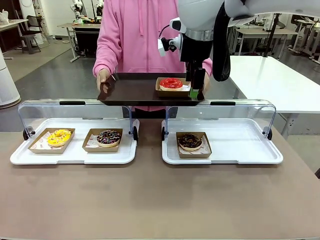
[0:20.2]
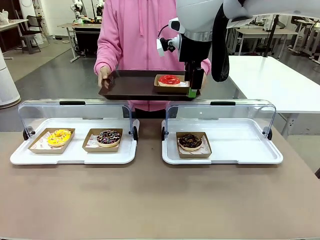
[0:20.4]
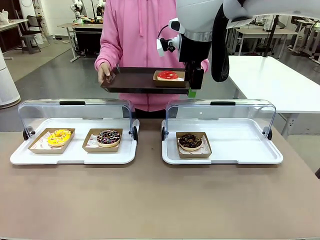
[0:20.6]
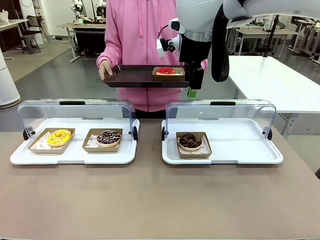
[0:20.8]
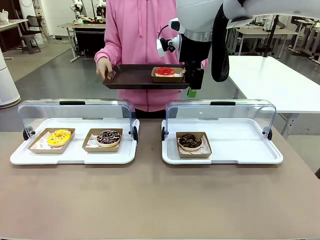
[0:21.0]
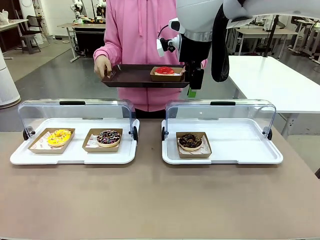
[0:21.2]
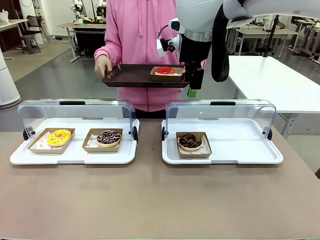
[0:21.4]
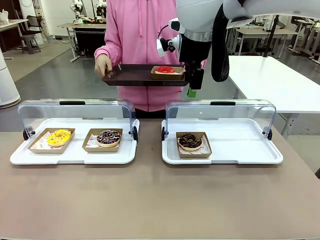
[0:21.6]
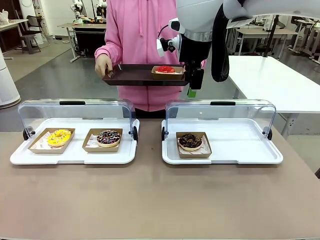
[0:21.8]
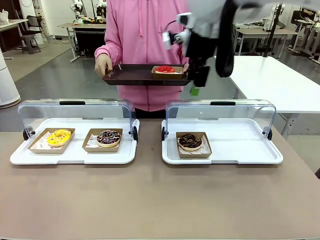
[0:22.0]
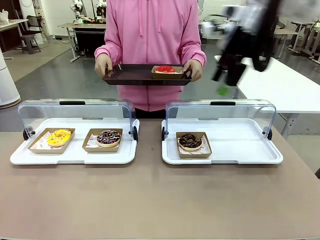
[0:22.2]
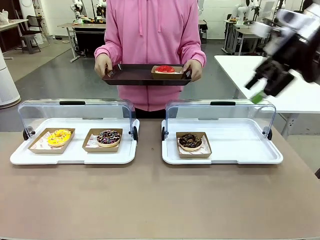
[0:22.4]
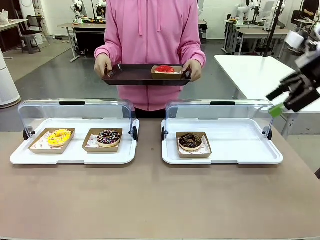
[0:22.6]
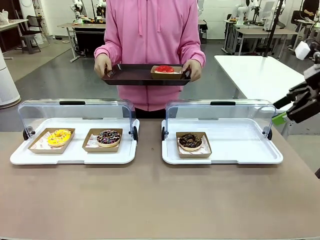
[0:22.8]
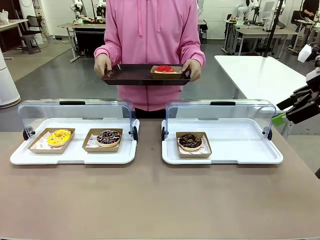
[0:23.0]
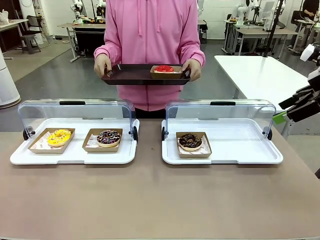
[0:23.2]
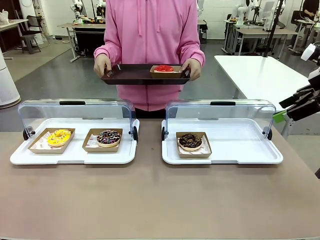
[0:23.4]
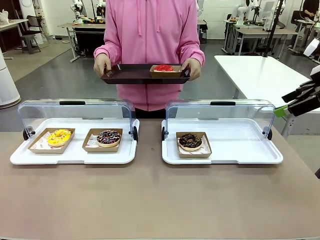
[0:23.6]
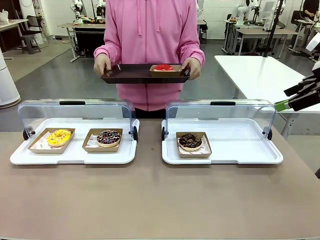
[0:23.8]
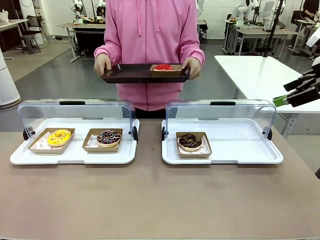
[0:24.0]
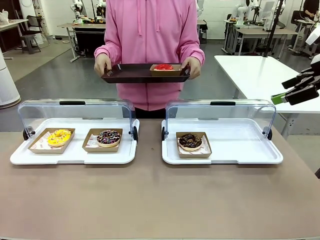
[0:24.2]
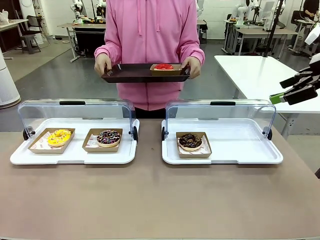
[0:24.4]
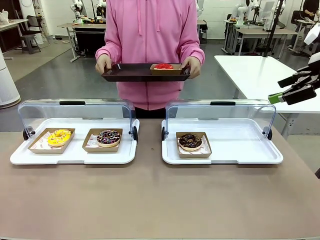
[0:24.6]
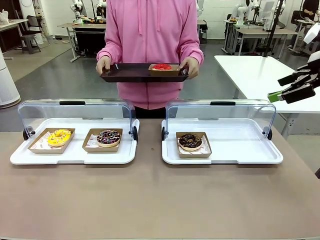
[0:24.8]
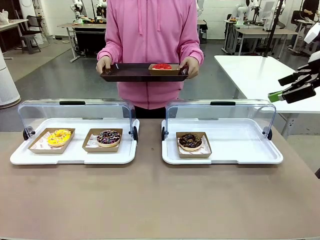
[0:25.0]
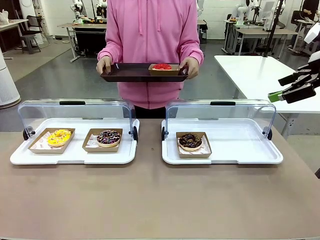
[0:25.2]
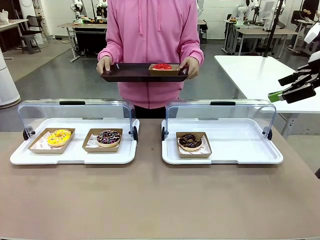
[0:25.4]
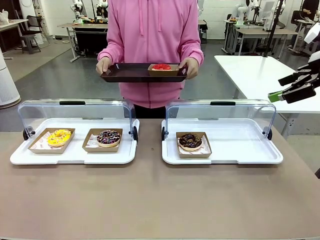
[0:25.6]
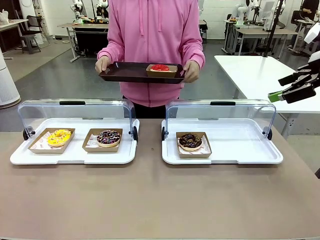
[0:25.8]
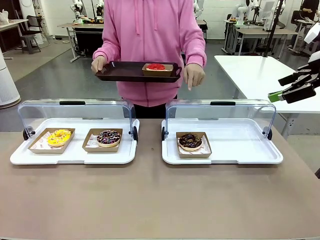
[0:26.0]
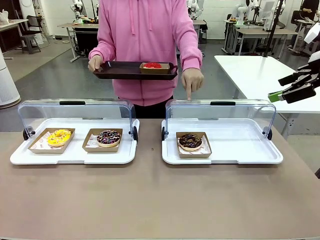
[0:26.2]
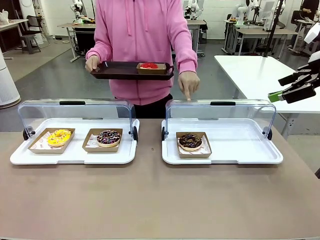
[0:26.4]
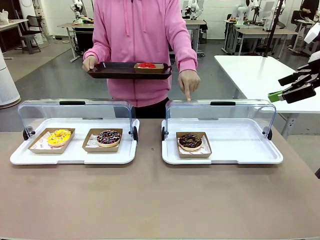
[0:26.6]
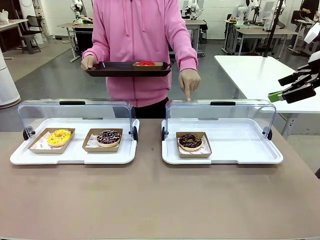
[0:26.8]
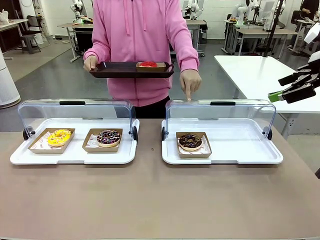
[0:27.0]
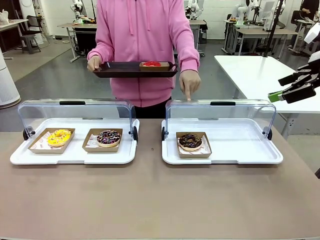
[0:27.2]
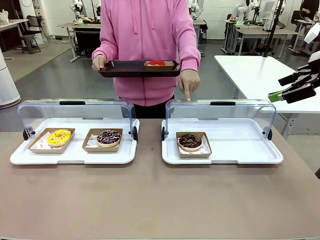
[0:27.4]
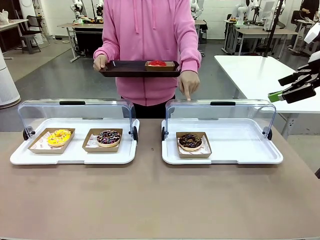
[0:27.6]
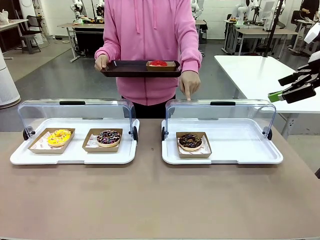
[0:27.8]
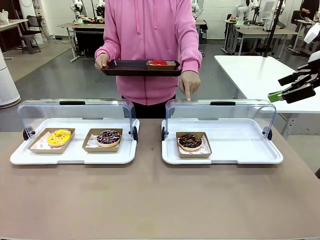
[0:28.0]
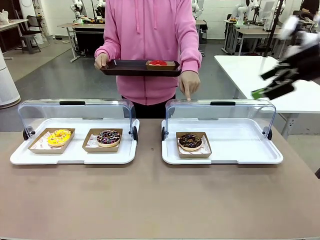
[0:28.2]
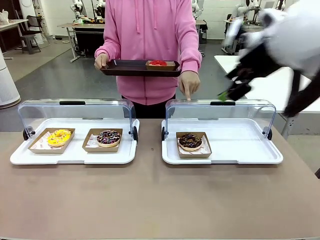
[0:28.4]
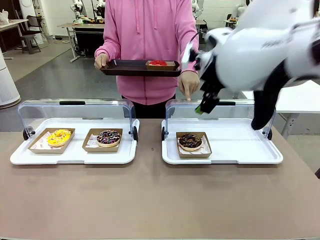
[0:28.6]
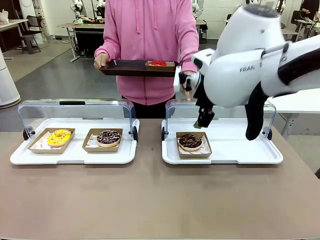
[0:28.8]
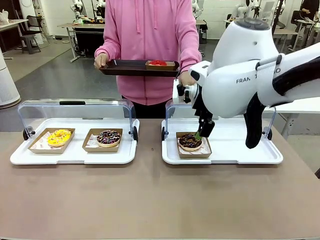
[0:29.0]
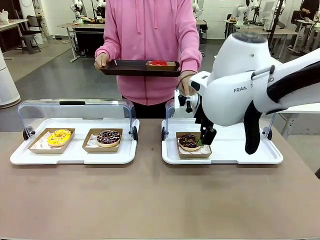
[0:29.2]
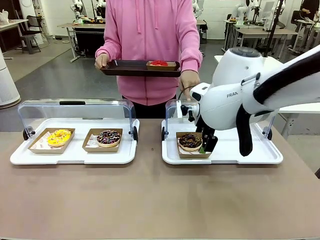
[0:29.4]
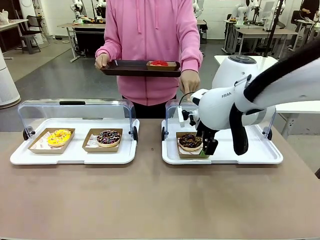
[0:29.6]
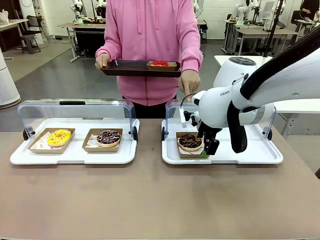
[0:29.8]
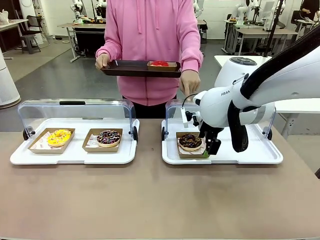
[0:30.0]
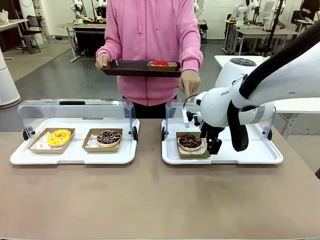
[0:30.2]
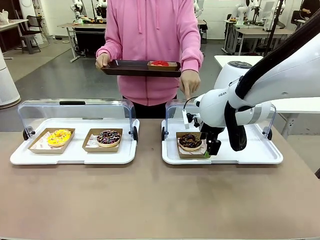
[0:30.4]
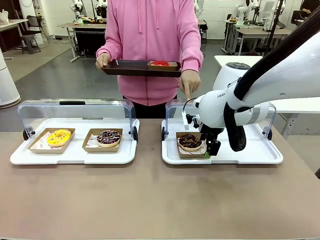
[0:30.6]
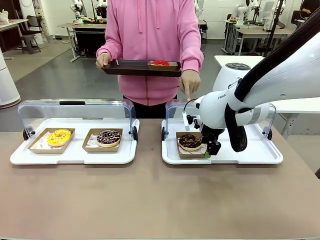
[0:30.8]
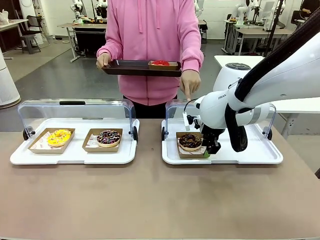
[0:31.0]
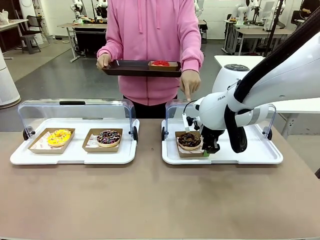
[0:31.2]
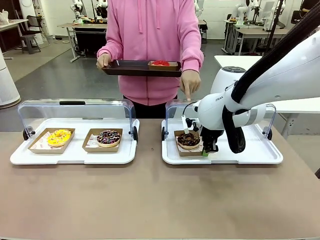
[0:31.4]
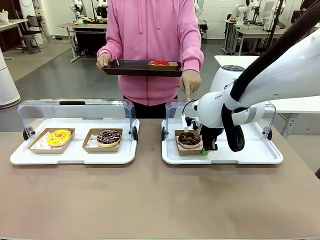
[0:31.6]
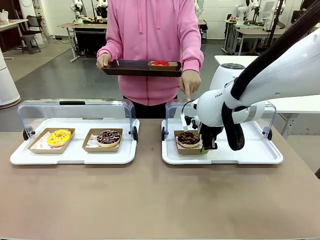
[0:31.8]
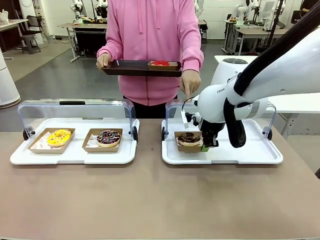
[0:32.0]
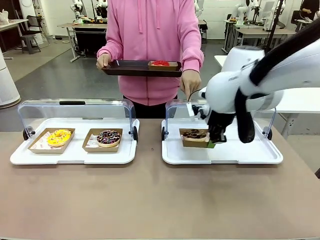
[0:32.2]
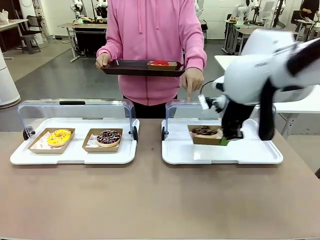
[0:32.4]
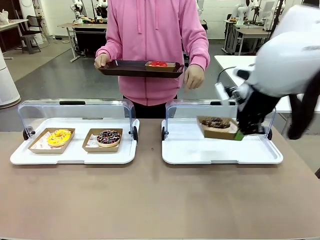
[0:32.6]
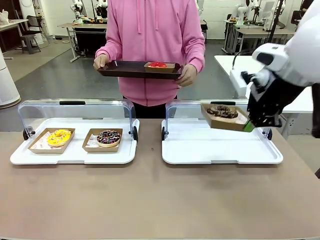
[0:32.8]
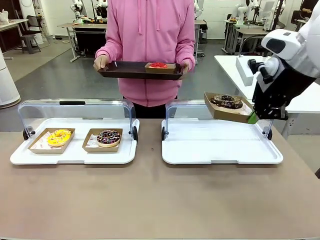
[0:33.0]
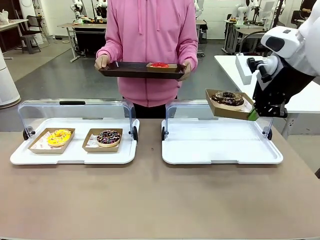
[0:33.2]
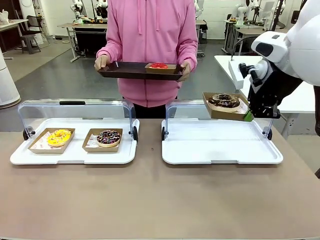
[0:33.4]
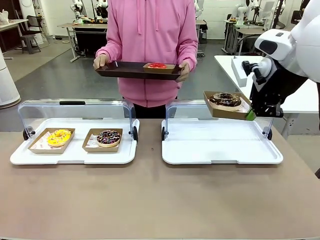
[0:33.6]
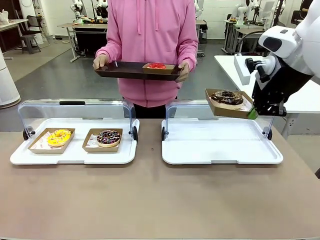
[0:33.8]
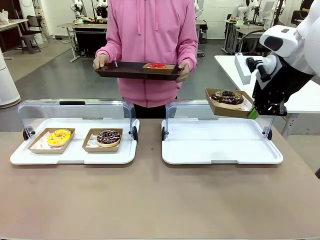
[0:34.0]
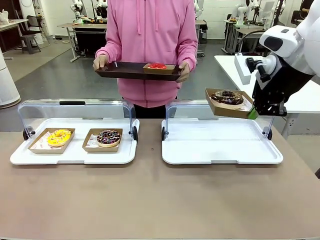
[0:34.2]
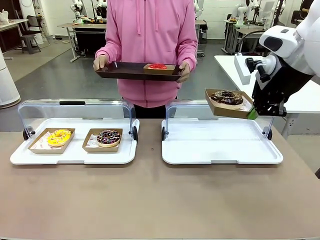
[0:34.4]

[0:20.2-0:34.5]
Task: Provide the desired donut to the person.
Robot: Pick up and lift the Paper togo box containing the Donut pointed at by the person.
Person: Point to one donut. Lift the tray onto the Roll-Top Bakery Case.

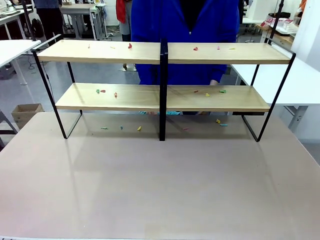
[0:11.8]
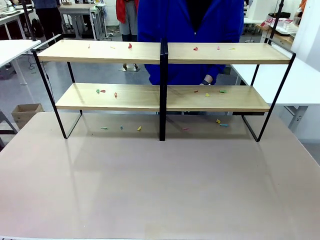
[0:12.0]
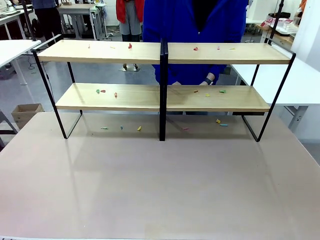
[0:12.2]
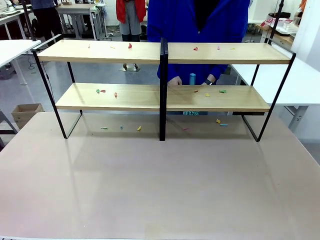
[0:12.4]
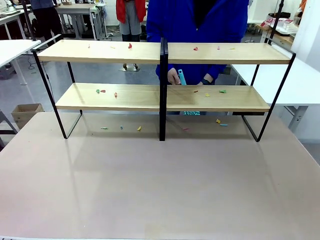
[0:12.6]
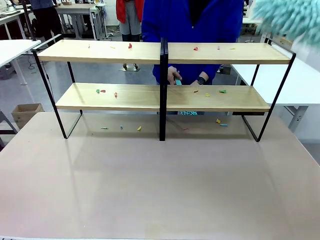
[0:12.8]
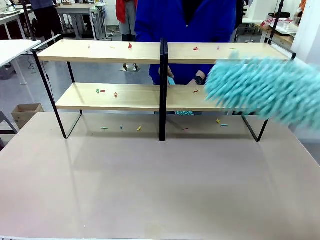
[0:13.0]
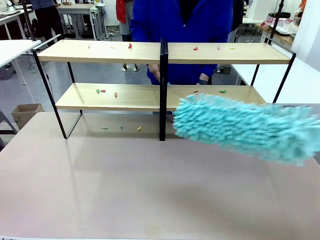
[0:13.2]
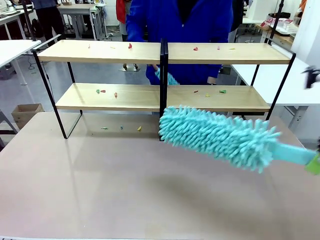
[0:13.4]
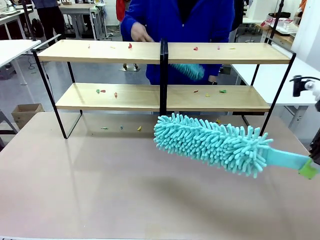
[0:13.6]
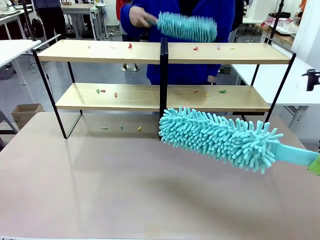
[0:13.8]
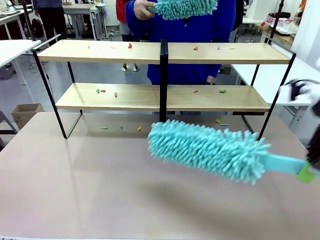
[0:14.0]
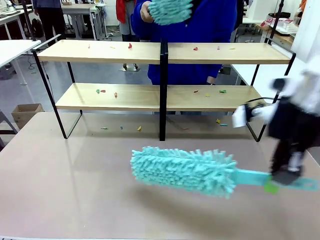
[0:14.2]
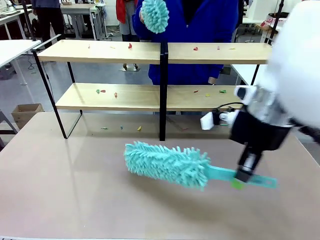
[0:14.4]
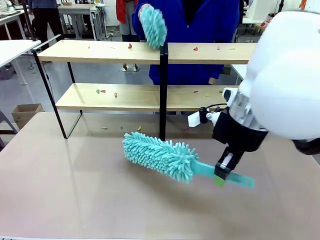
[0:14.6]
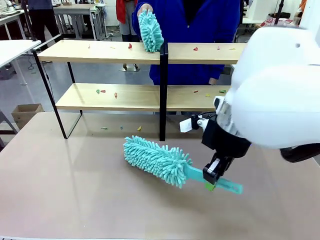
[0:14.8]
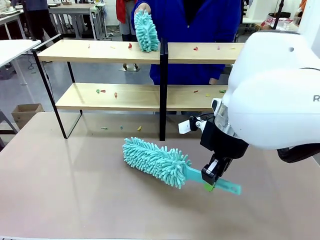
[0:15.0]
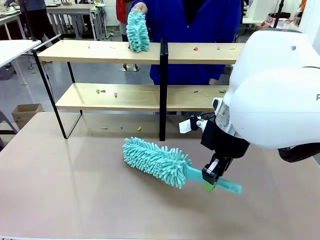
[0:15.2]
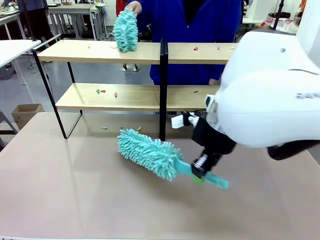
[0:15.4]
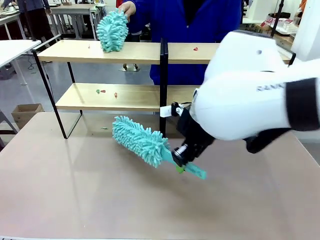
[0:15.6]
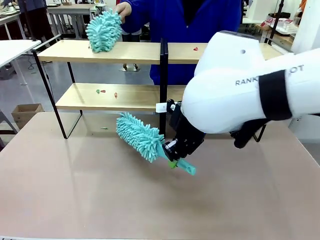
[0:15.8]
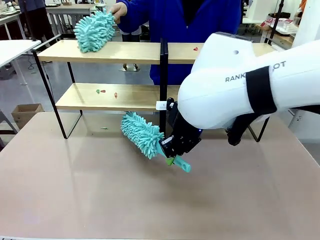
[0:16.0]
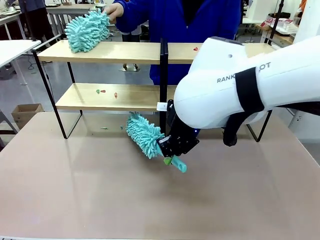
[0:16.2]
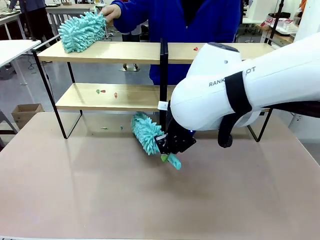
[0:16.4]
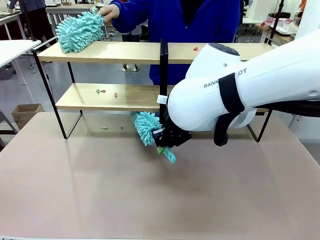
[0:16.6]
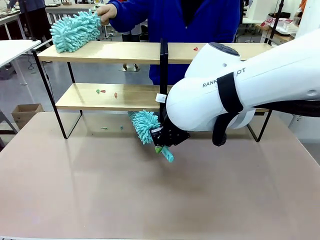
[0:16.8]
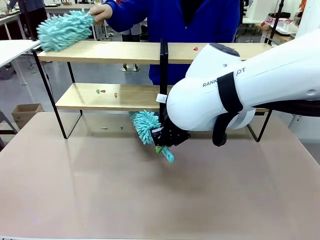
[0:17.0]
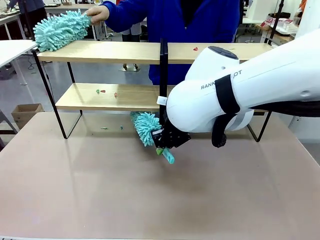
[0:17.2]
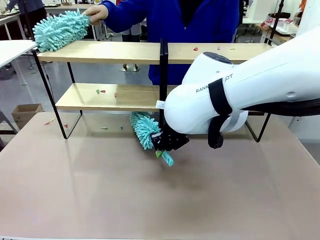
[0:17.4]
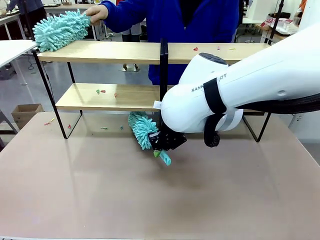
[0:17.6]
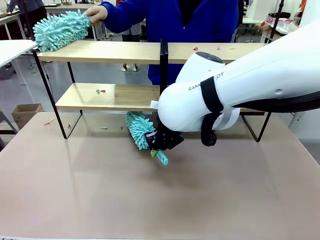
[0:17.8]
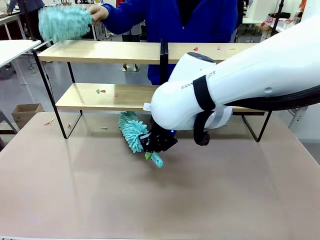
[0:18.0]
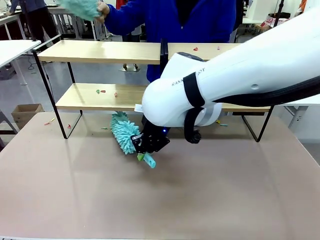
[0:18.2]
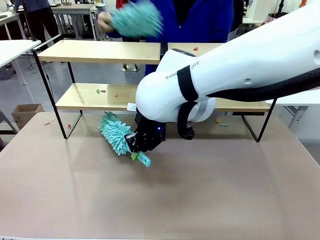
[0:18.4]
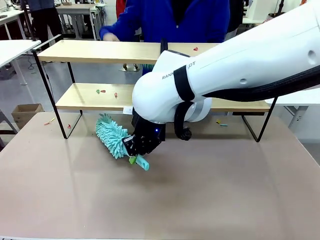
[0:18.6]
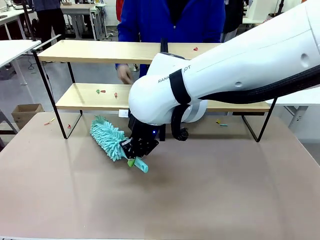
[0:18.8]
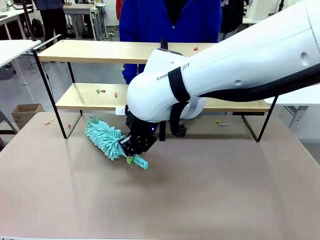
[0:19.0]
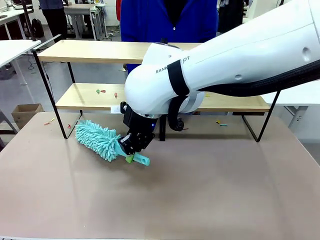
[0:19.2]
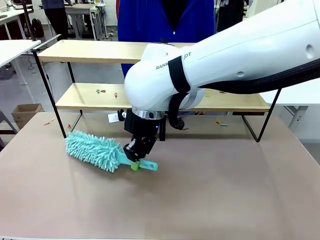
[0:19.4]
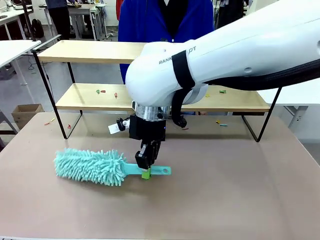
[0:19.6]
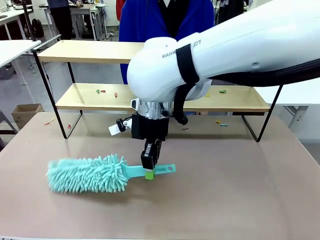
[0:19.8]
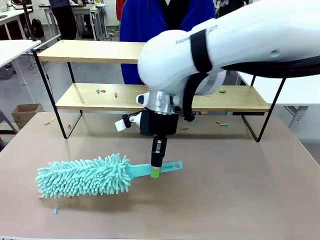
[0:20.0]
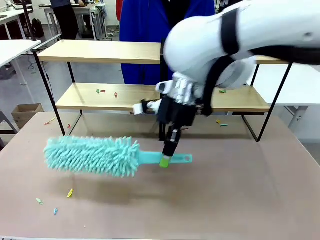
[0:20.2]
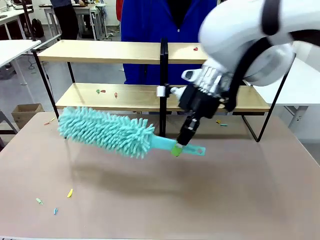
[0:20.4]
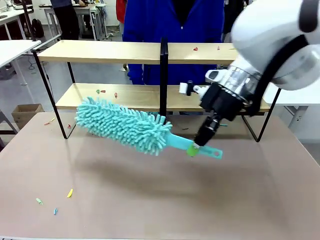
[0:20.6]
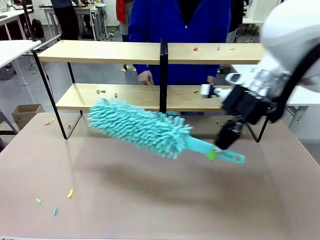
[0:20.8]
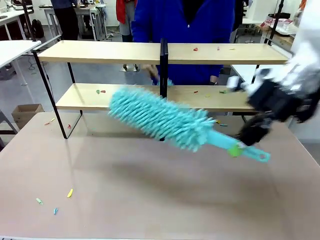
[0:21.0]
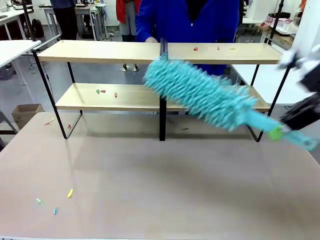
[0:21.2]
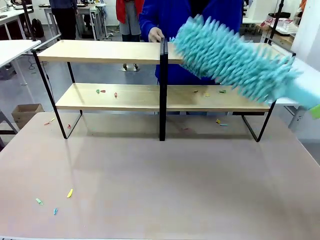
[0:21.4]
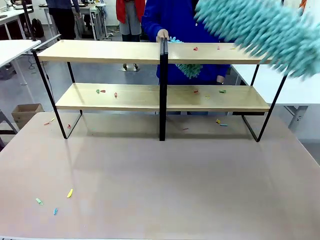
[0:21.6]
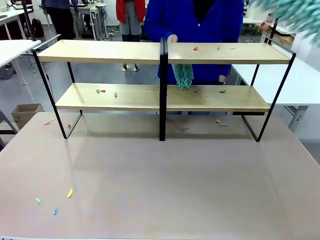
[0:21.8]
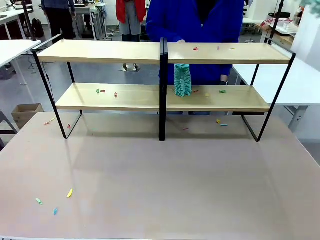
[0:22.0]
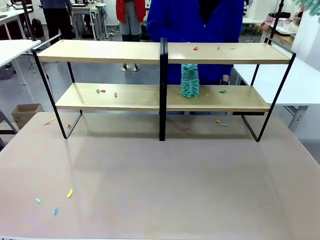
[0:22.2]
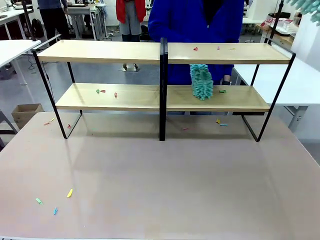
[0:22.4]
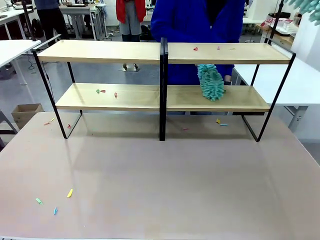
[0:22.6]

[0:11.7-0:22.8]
Task: Clean the shelves.
Robot: Clean a randomly selected level of the Shelf with the Duster.
